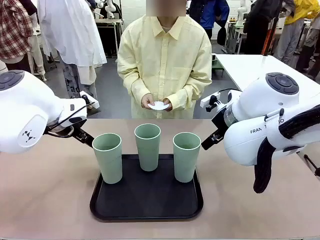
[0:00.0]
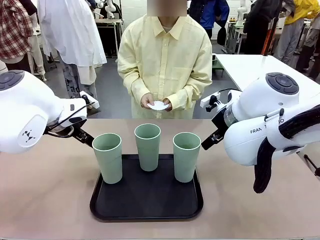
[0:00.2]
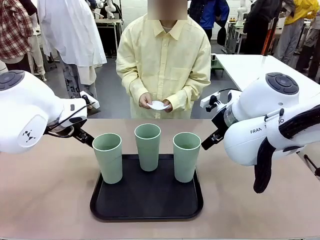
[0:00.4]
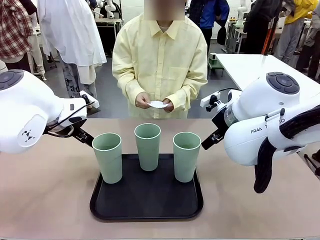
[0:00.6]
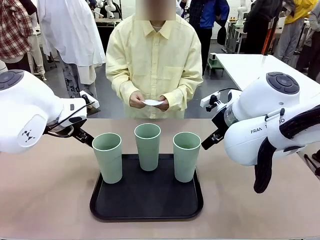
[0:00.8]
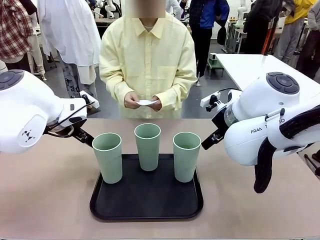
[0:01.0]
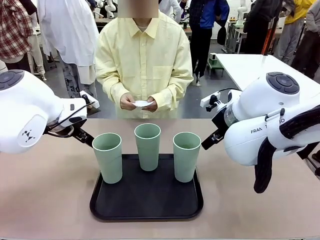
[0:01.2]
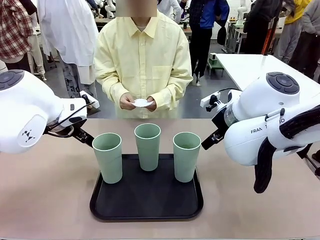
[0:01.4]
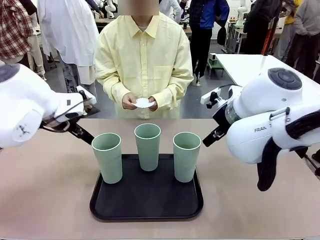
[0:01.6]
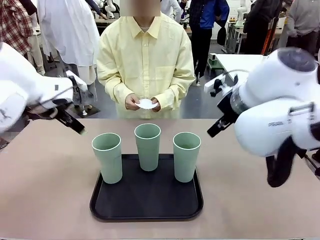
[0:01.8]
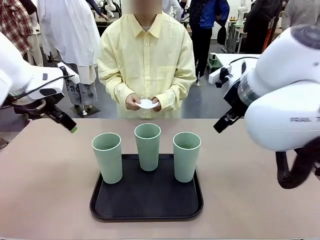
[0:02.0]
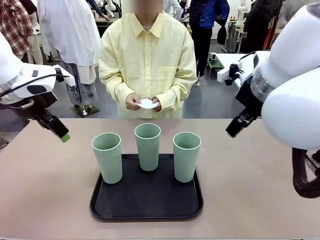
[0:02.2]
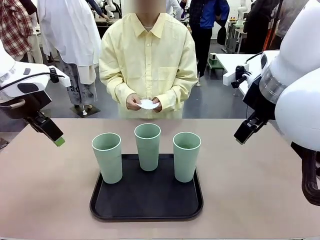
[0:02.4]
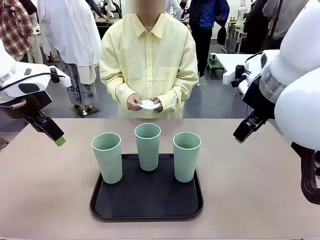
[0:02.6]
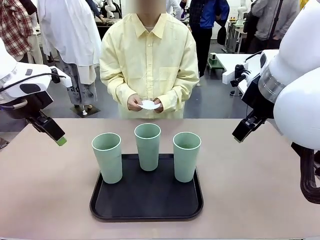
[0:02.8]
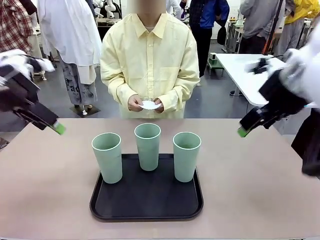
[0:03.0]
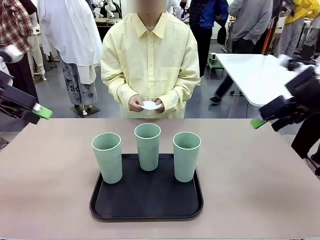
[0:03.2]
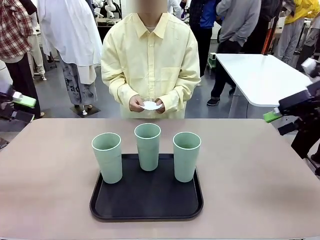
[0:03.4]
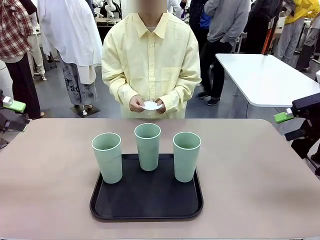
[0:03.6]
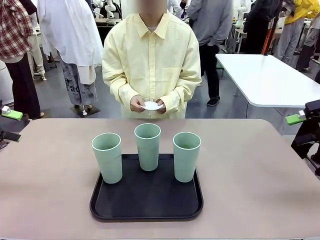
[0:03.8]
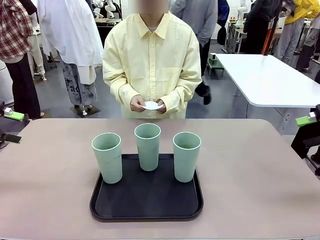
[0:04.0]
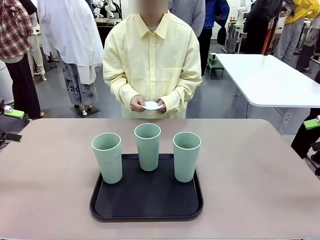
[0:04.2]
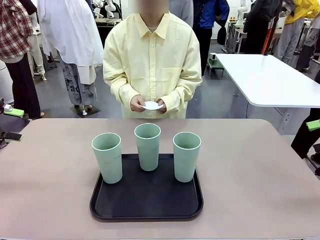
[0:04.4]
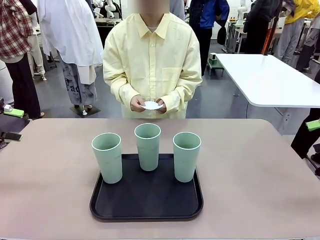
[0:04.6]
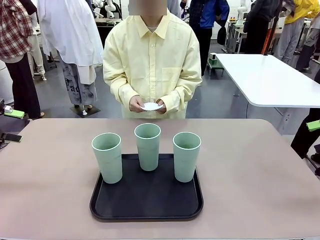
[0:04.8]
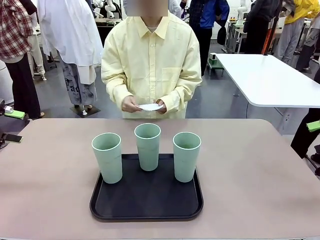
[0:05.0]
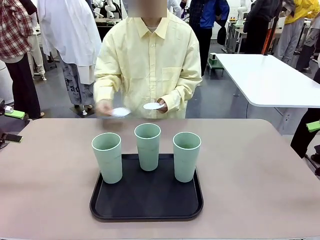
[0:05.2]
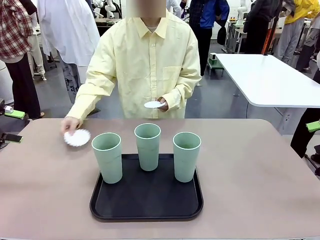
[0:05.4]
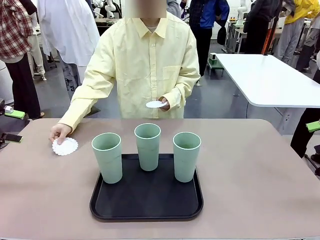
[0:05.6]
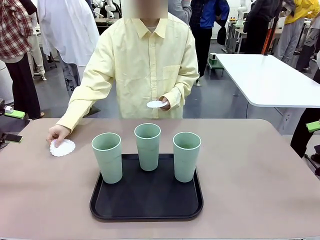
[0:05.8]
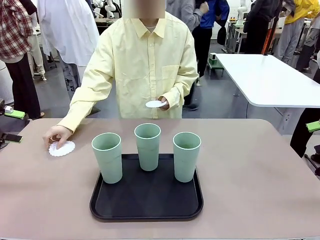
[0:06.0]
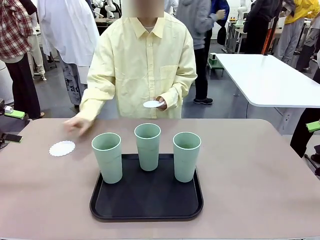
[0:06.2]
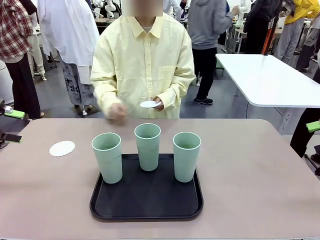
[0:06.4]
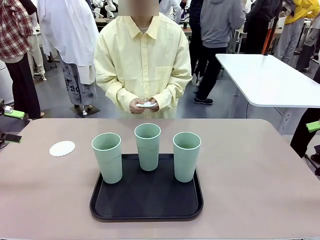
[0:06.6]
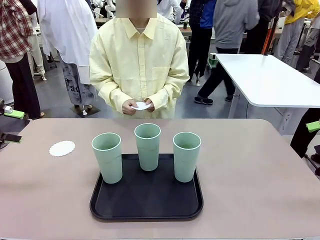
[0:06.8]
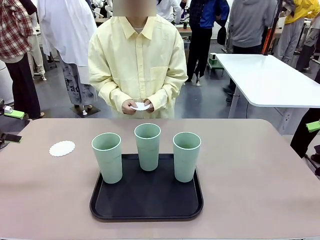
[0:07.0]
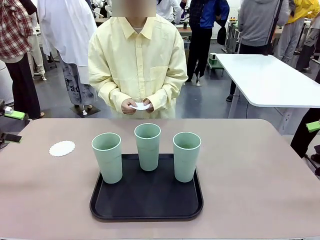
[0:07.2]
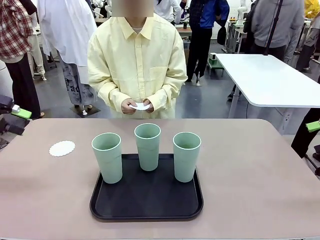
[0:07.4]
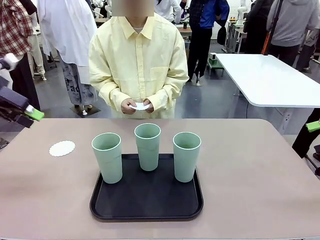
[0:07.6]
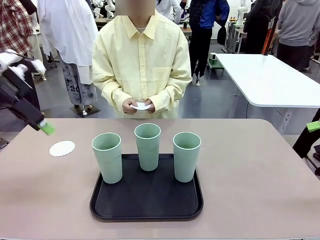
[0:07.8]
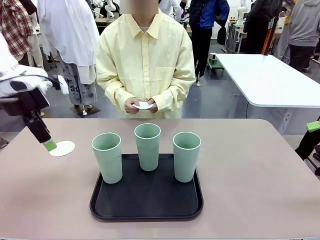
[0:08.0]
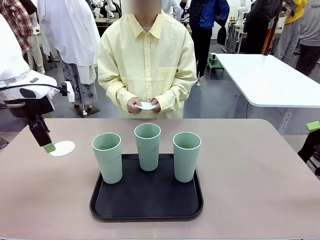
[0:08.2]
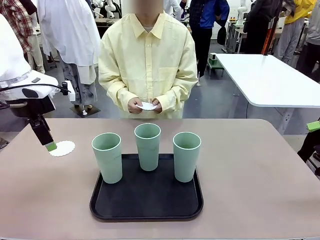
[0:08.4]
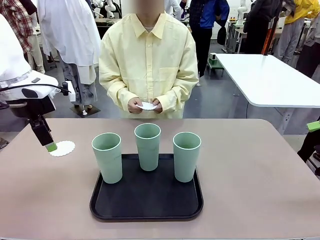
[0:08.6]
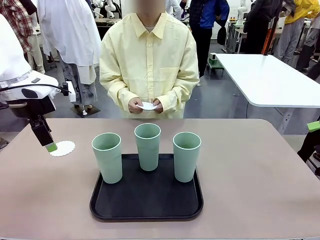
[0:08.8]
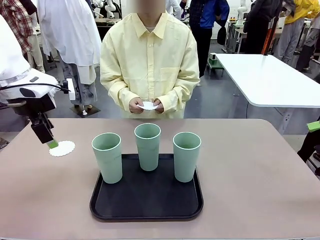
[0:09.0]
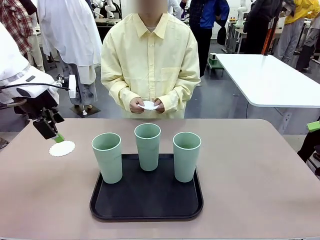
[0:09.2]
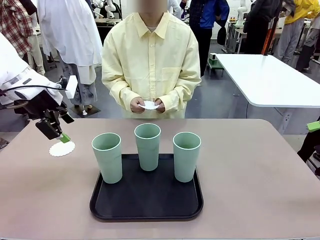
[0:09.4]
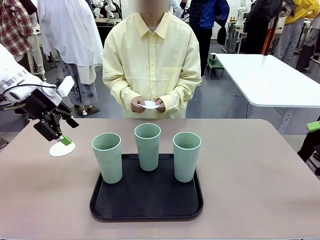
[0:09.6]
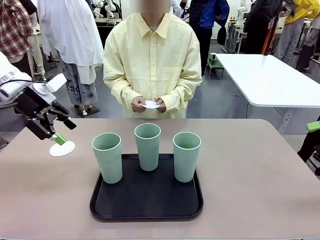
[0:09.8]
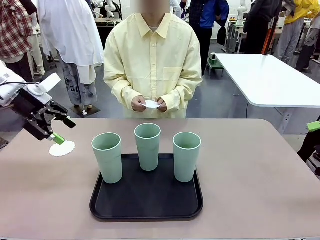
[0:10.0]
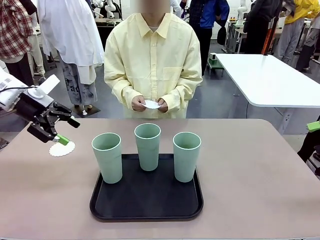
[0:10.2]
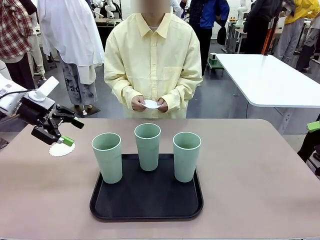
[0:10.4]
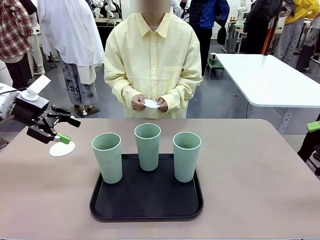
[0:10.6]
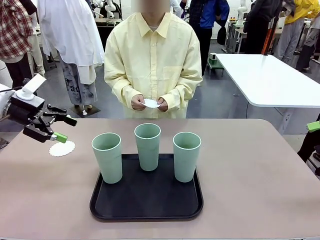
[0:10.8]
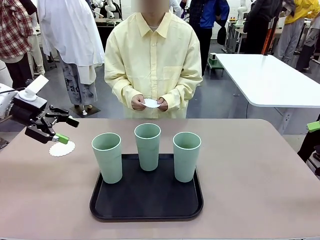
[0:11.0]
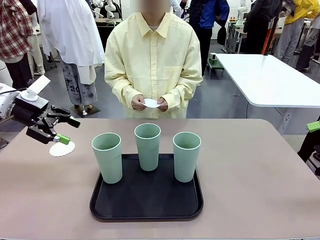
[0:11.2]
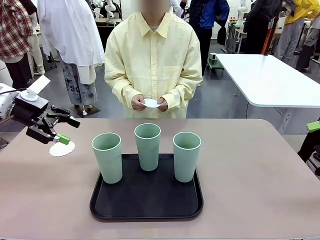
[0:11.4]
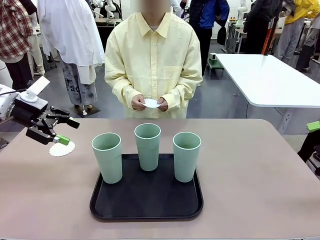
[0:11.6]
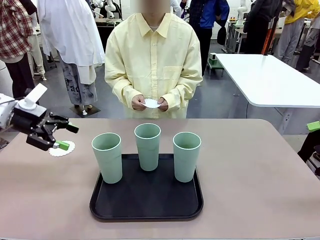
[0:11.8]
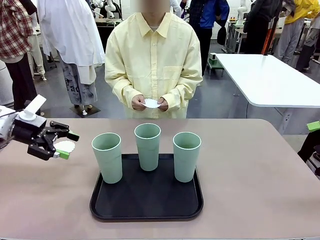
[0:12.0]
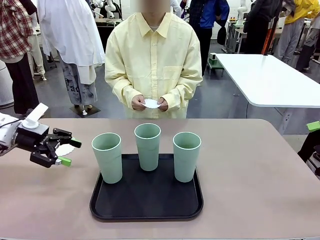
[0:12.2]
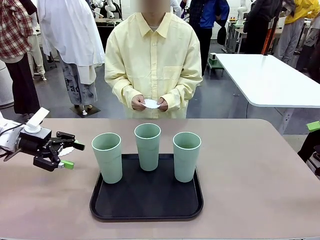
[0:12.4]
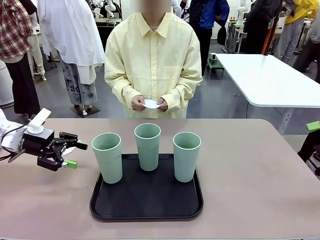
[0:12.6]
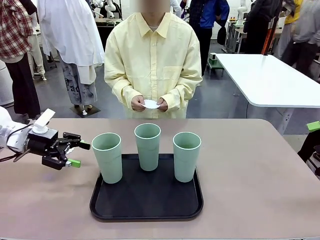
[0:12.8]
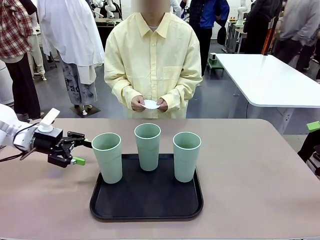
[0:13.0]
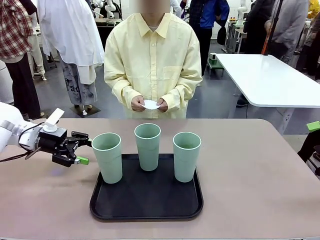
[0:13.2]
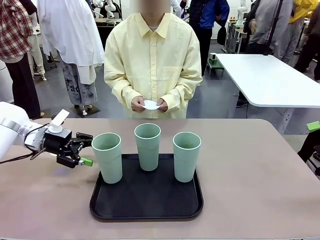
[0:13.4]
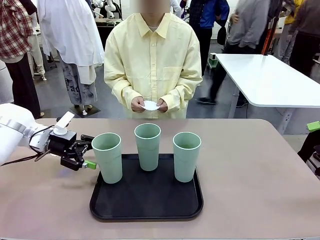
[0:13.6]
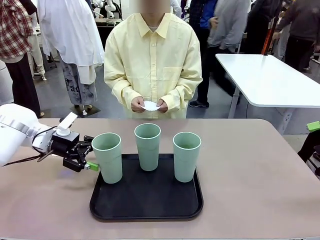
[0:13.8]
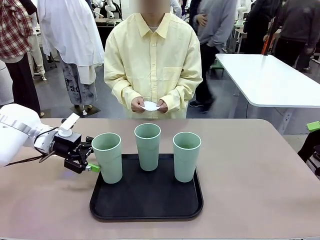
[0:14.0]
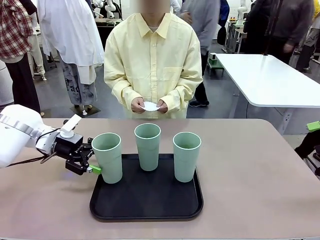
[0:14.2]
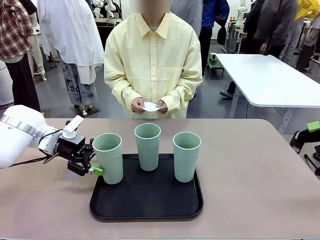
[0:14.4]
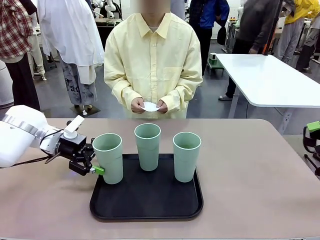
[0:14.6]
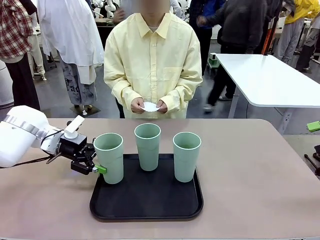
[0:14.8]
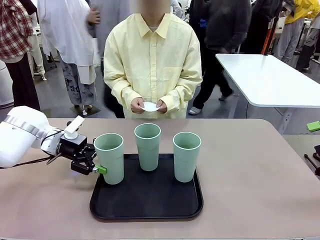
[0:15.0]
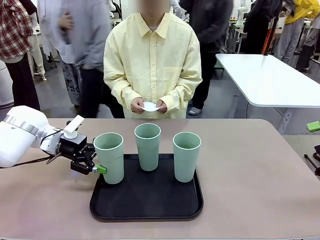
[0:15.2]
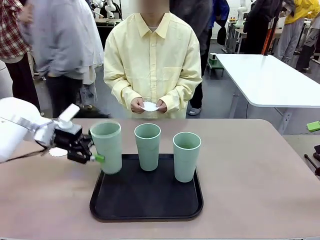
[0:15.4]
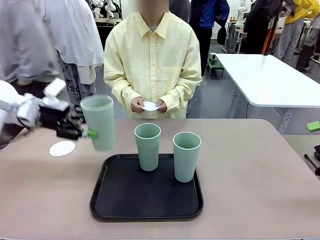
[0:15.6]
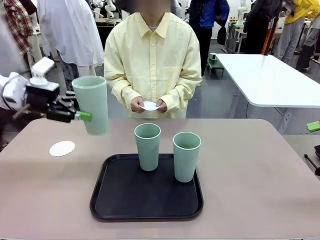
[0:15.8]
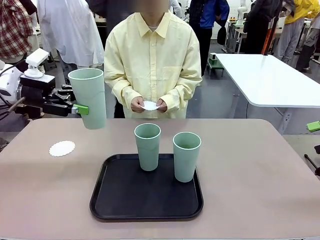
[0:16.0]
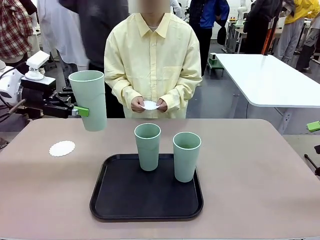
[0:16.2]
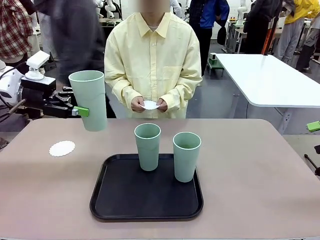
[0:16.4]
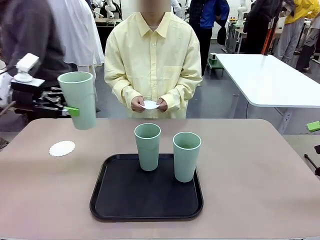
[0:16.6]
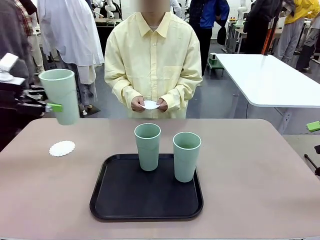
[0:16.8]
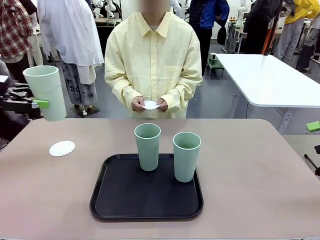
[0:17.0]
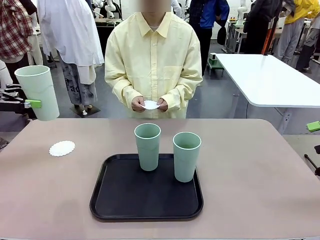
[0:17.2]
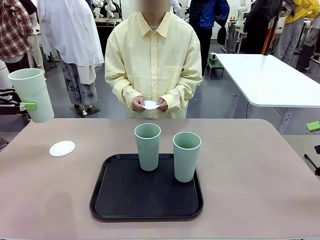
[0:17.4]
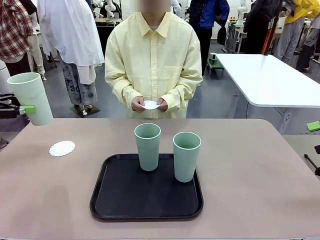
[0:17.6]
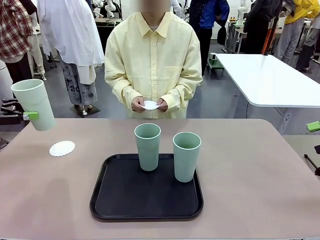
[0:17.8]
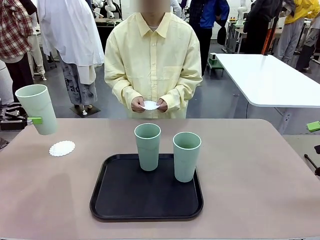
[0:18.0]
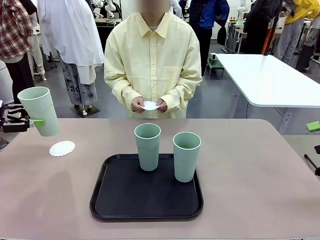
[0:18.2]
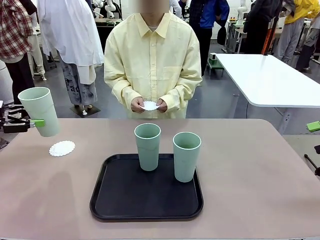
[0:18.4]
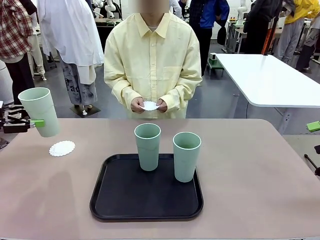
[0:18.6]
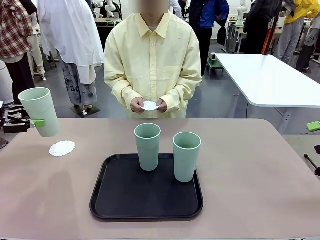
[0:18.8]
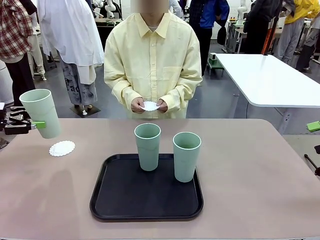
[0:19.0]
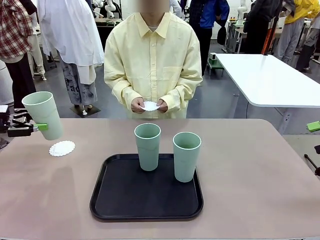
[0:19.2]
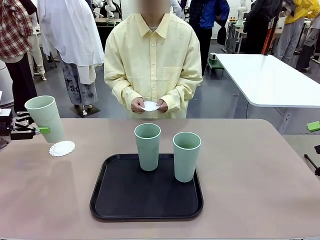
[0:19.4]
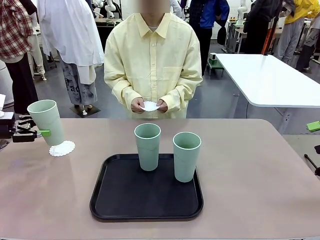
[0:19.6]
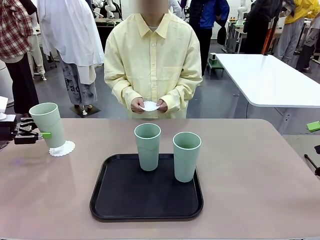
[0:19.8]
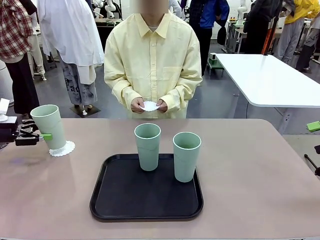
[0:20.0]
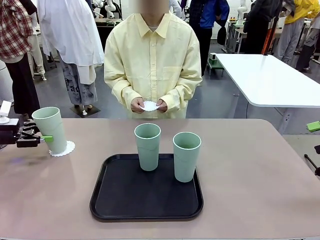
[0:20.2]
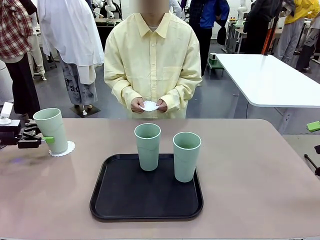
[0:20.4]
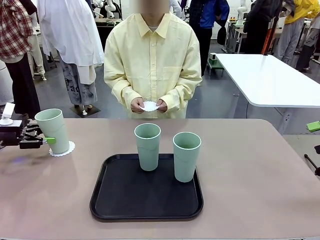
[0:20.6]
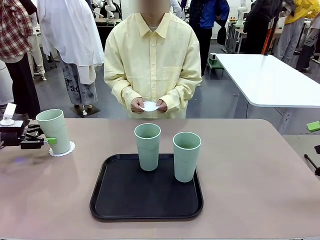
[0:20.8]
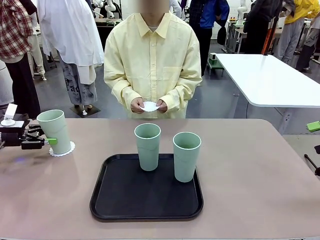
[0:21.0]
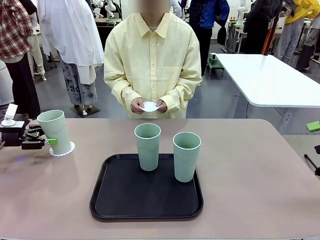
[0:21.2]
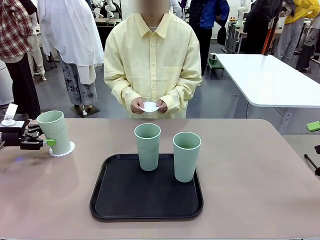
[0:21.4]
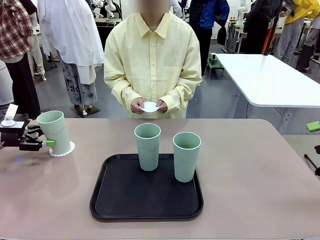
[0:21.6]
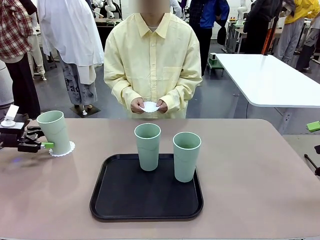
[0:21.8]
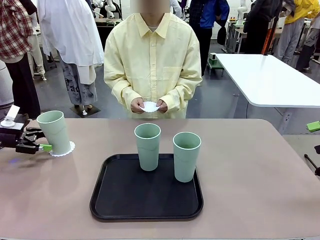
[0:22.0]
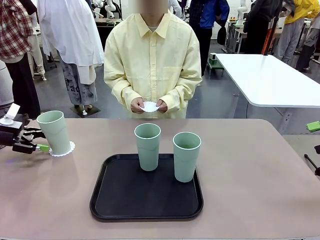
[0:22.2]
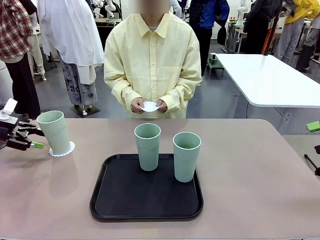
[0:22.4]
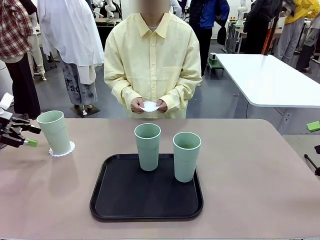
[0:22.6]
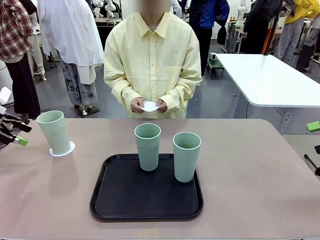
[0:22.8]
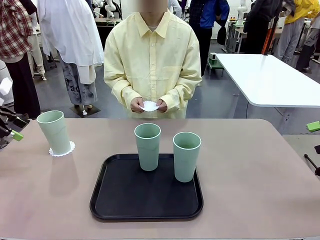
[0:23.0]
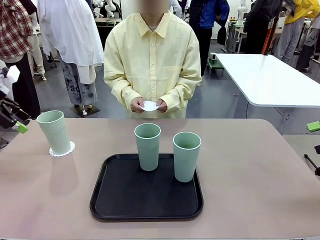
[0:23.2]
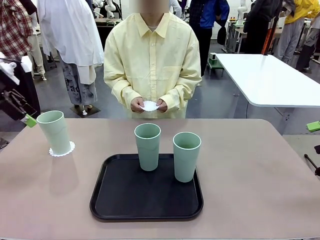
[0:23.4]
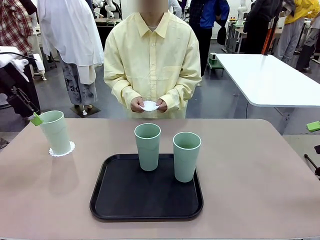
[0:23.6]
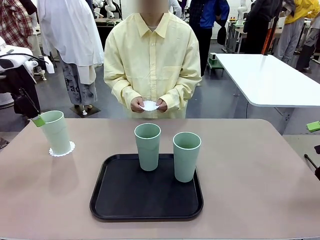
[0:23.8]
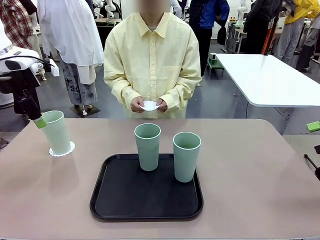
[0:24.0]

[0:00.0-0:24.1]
Task: Place coasters on the table and set cups on them.
Robot: Pick up one Reusable plastic cup and place it on a coaster set by the human.
Person: Place one coaster in any one of the three lower areas of the robot table (left, center, or right). Place one coaster in one of the two areas excluding the previously selected area.
